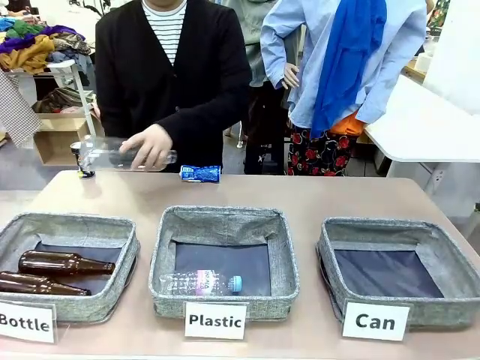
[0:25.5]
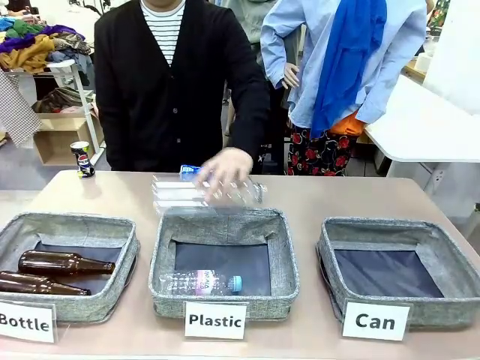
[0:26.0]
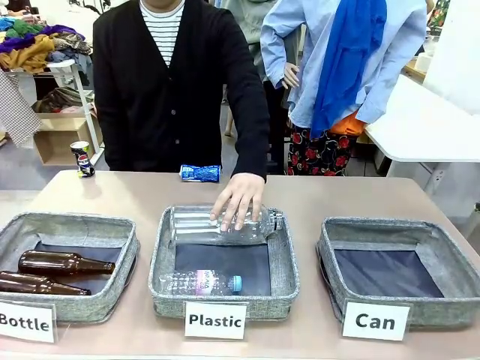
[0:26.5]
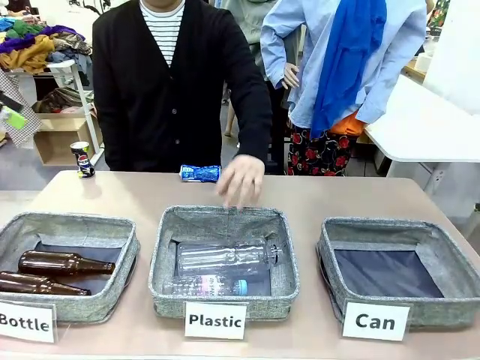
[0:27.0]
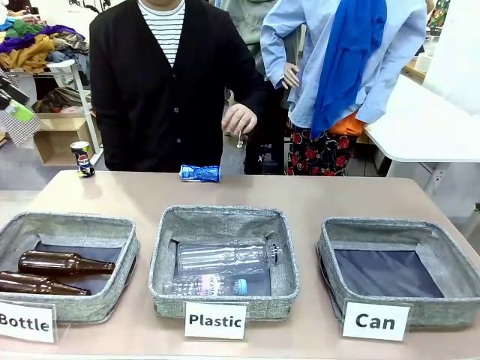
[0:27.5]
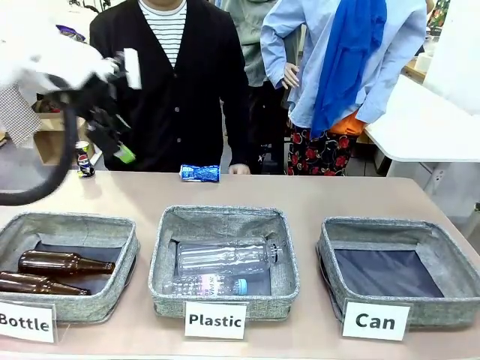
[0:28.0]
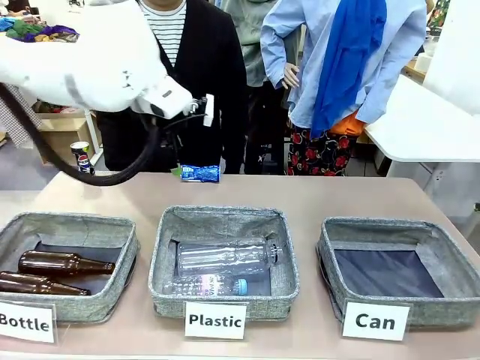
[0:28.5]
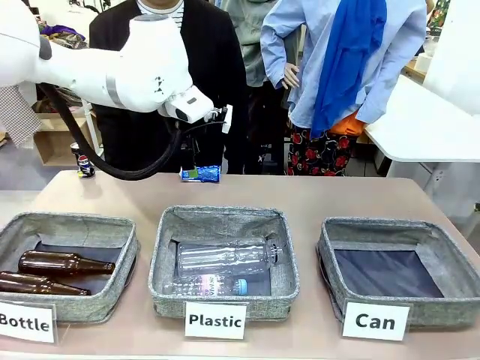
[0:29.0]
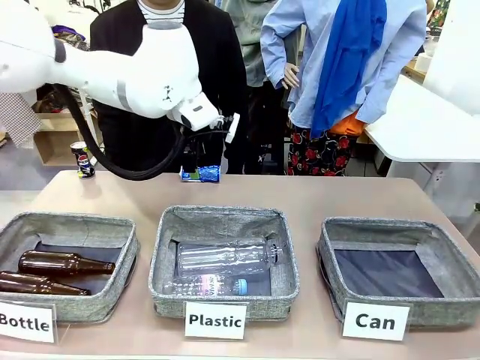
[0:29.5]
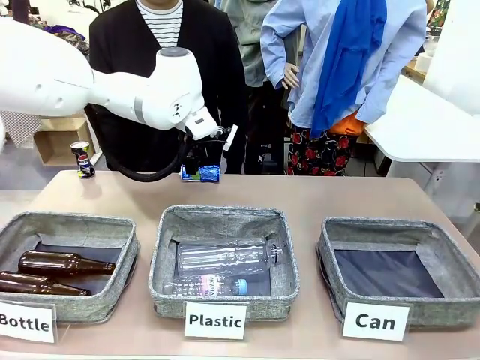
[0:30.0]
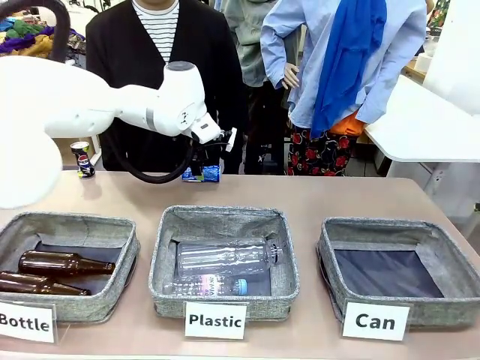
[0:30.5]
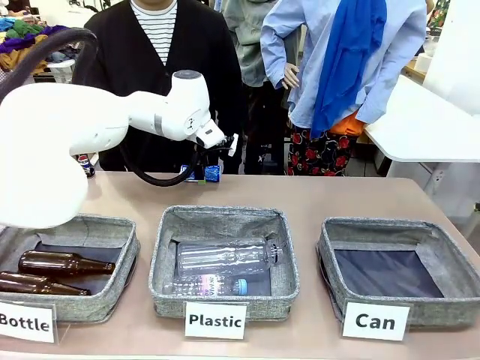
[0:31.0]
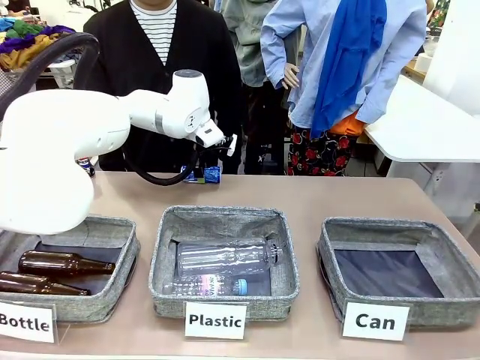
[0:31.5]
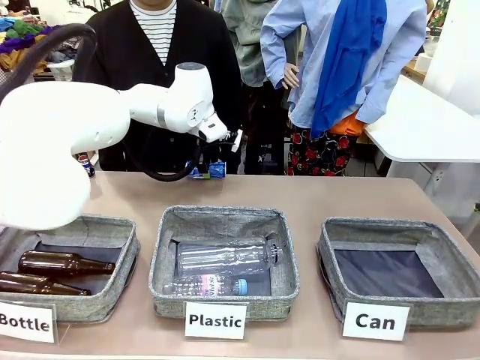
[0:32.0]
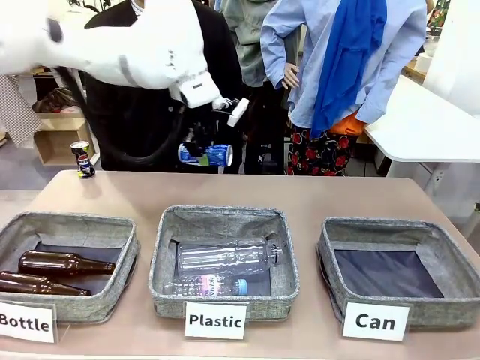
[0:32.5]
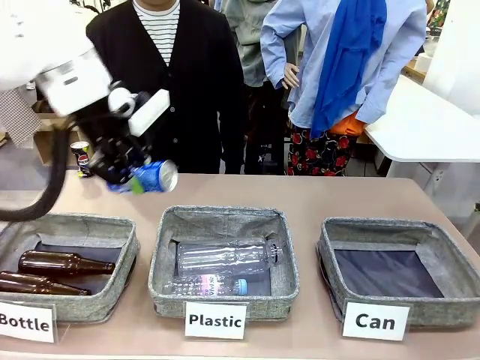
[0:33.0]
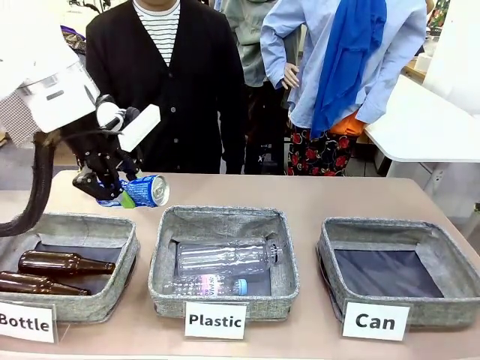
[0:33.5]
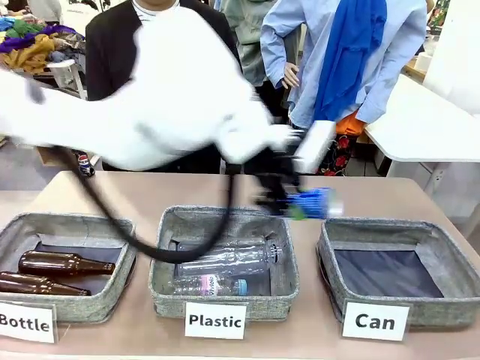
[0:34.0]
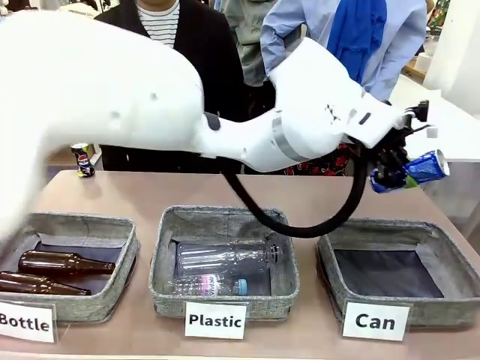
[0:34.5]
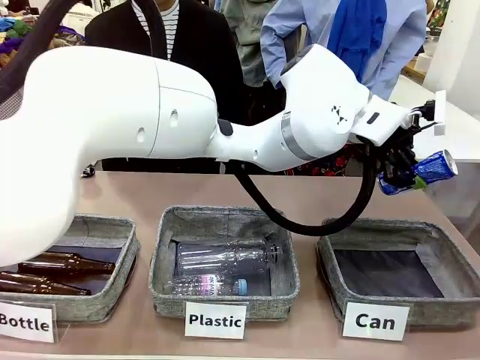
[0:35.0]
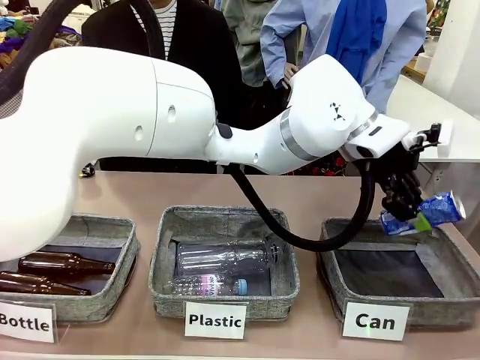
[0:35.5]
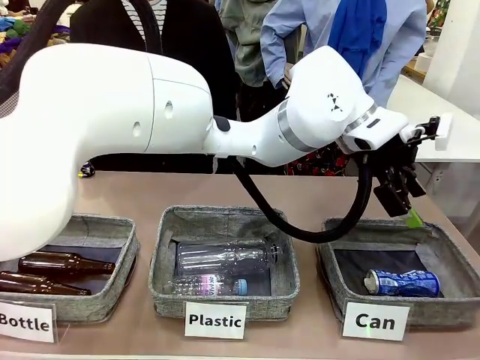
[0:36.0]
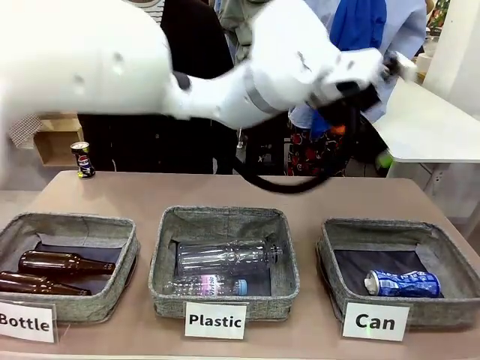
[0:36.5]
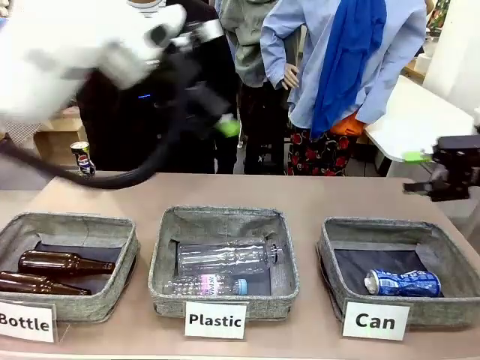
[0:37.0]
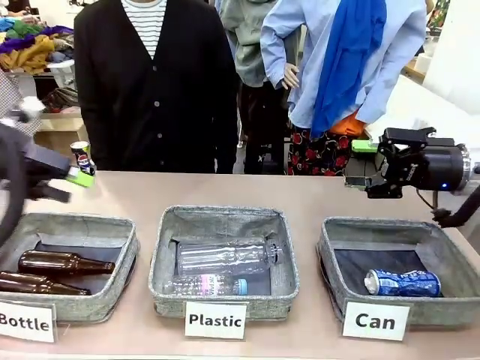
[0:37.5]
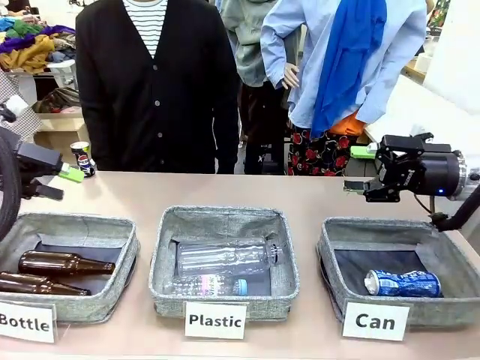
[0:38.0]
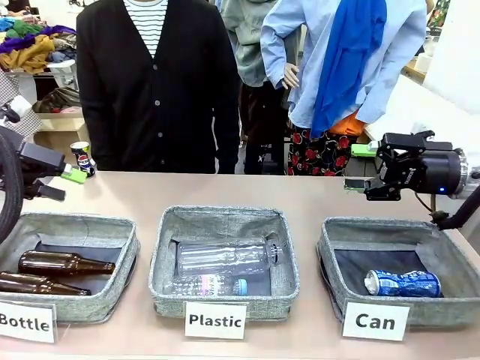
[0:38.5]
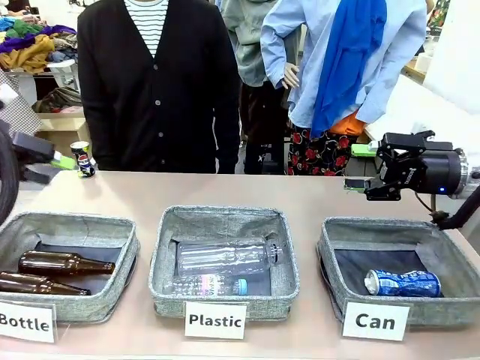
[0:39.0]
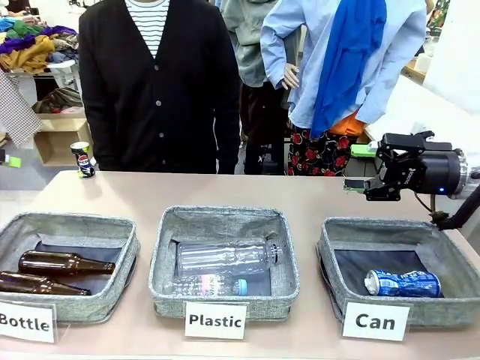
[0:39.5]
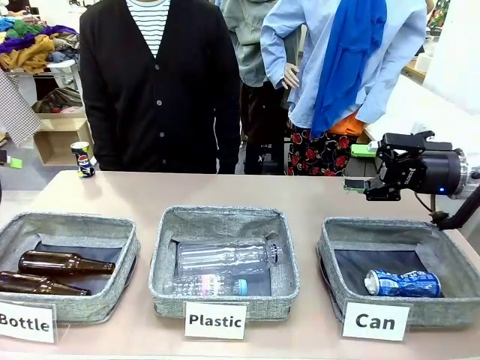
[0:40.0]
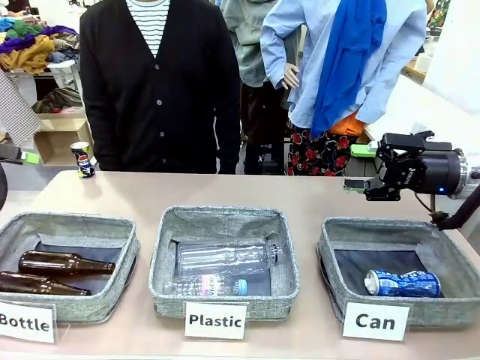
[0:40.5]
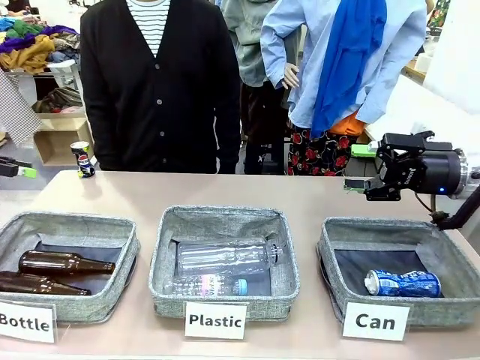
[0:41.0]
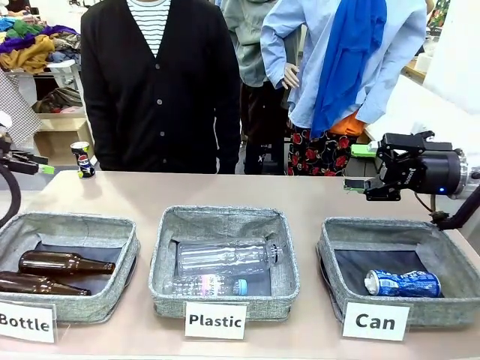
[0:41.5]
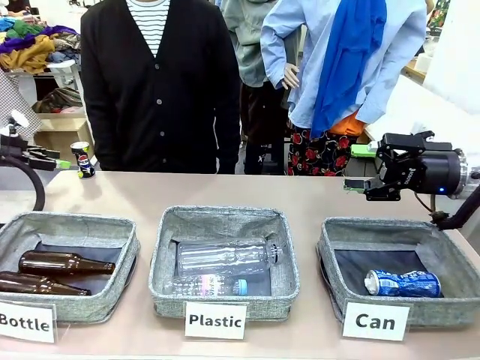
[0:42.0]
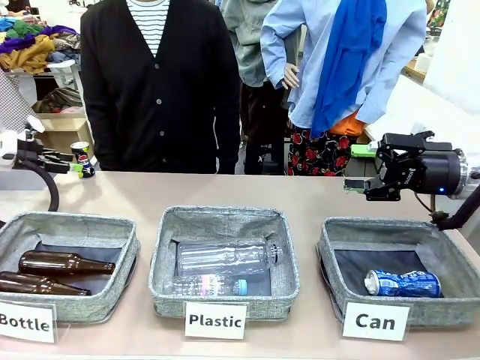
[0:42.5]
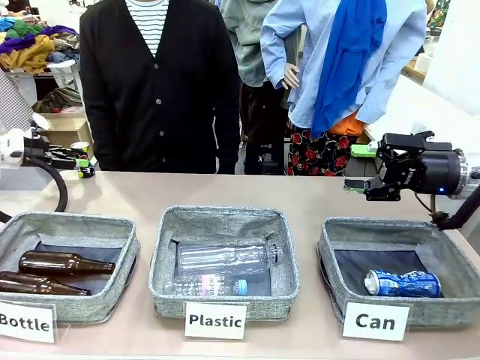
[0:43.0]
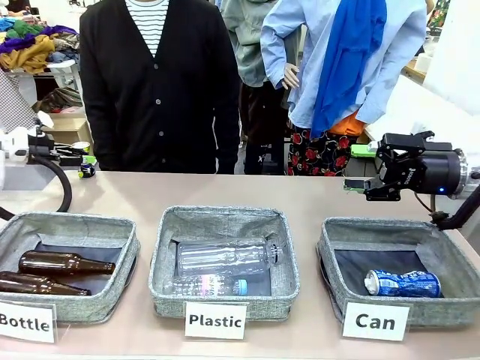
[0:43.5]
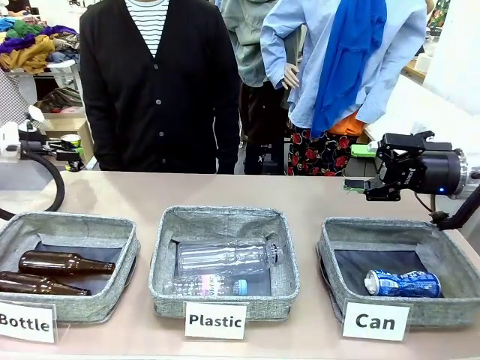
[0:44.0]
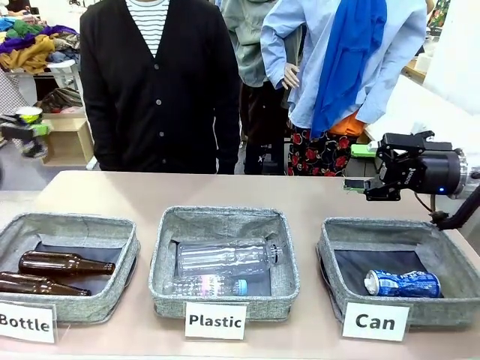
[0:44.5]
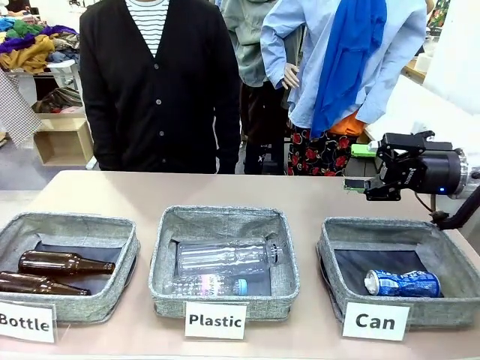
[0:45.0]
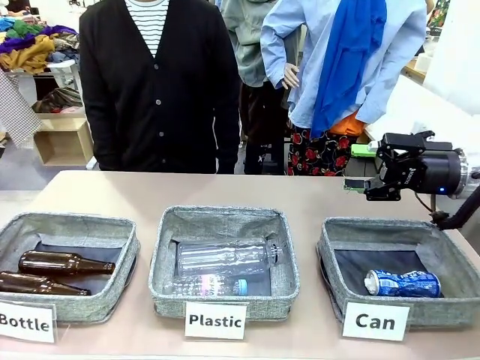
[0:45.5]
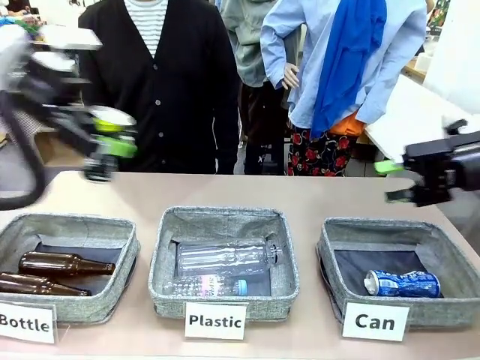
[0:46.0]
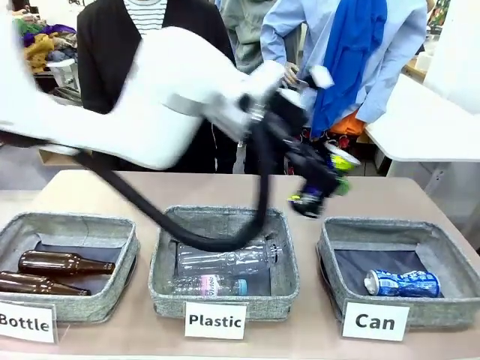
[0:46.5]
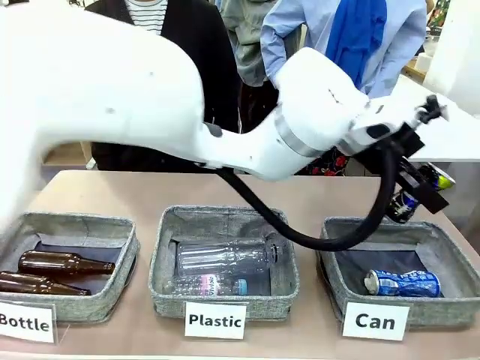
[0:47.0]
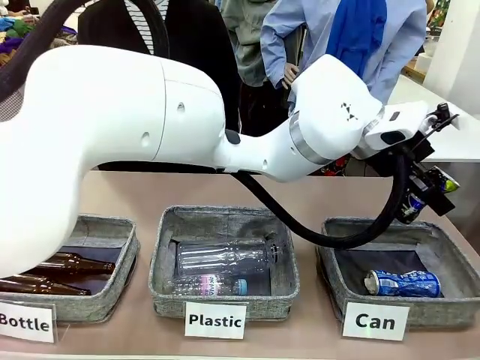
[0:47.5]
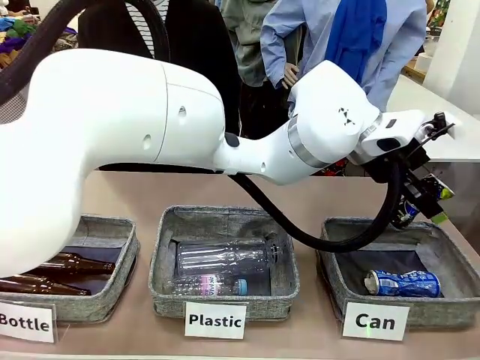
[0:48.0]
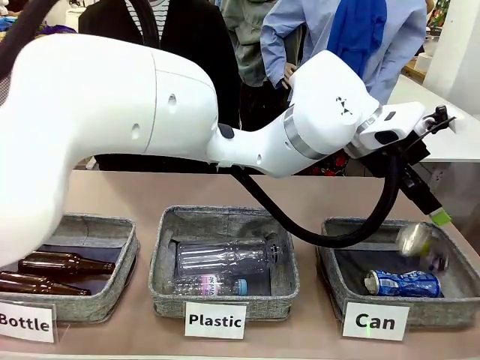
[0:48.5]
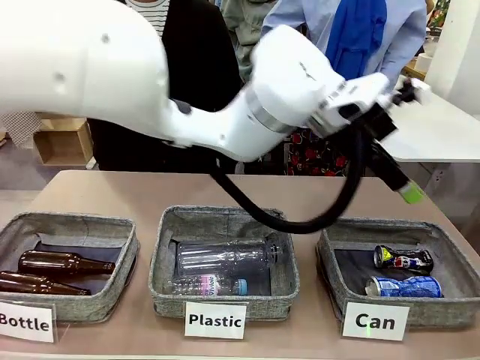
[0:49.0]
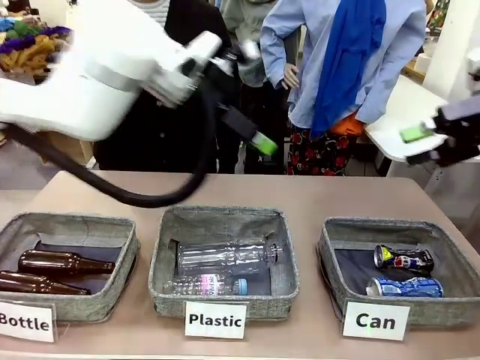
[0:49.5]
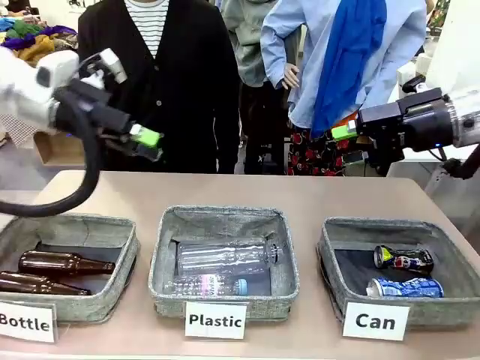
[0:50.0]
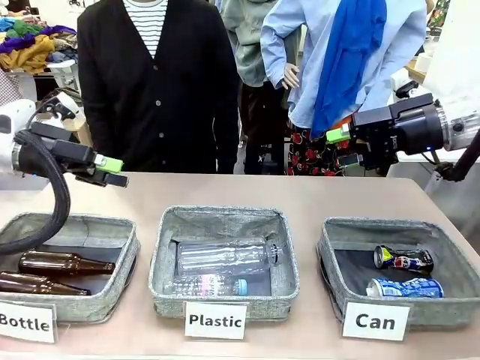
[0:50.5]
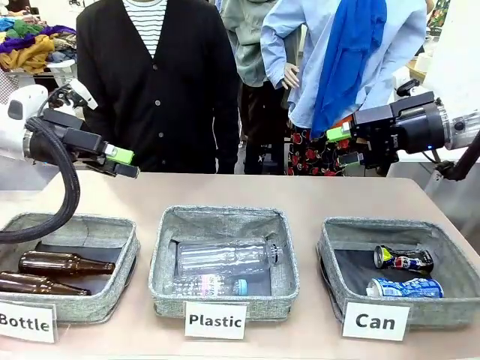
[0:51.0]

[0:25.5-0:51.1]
Task: Sort the can waste into the basket.
Robot: Pick up the can waste from the table and place it in the right Fabric basket.
Person: The human picks up one piece of trash that is not a can and places the trash into the appropriate organizing basket.
